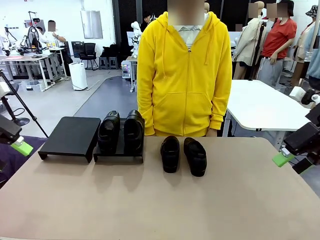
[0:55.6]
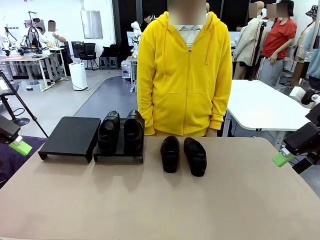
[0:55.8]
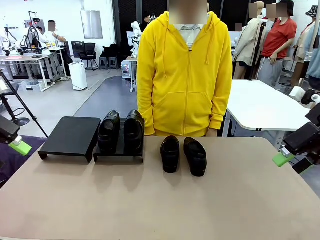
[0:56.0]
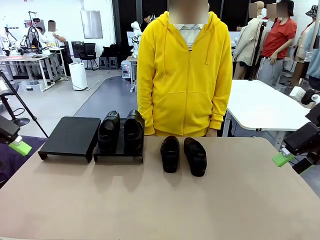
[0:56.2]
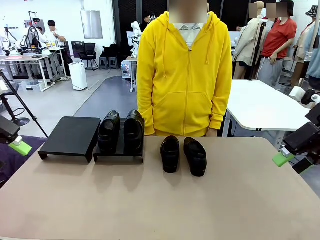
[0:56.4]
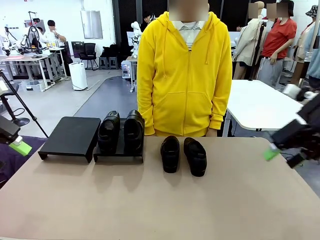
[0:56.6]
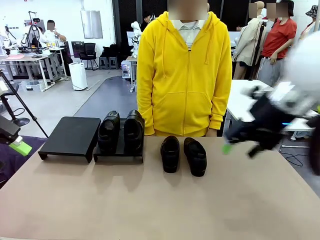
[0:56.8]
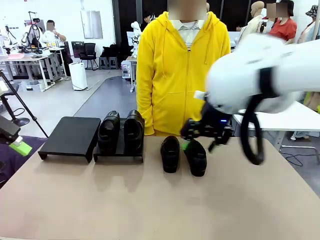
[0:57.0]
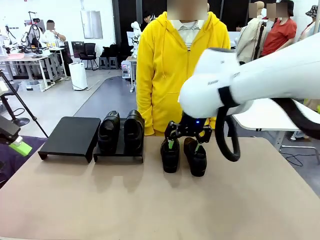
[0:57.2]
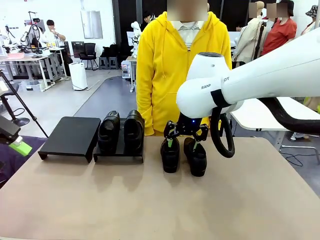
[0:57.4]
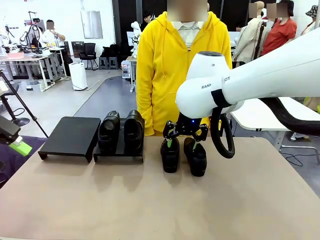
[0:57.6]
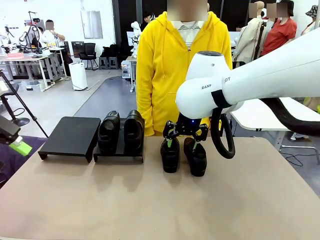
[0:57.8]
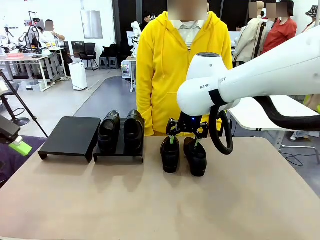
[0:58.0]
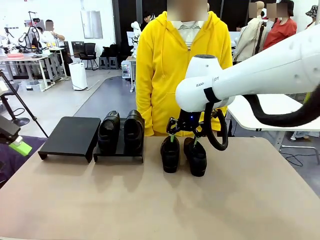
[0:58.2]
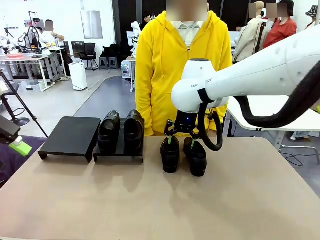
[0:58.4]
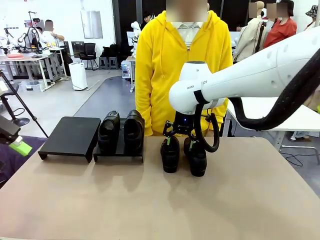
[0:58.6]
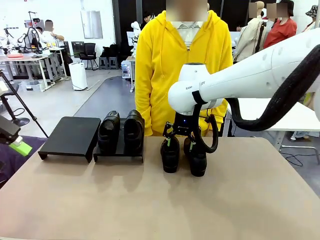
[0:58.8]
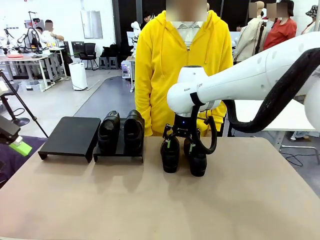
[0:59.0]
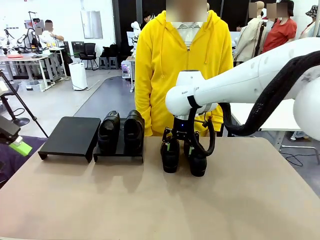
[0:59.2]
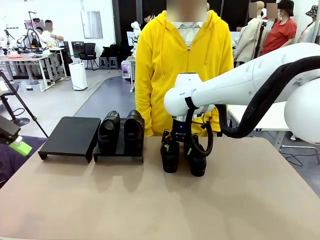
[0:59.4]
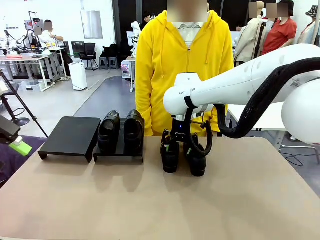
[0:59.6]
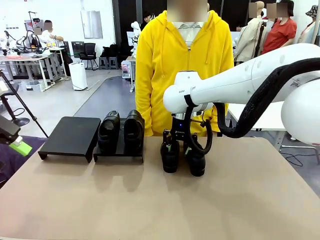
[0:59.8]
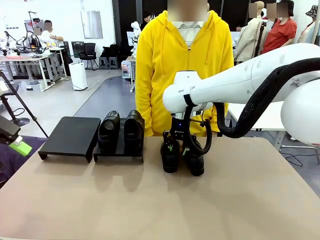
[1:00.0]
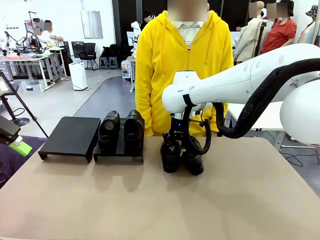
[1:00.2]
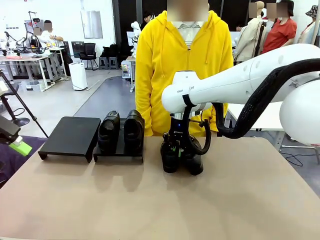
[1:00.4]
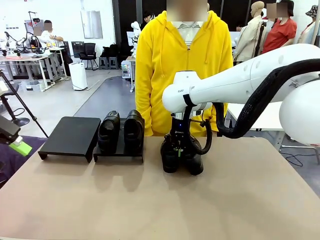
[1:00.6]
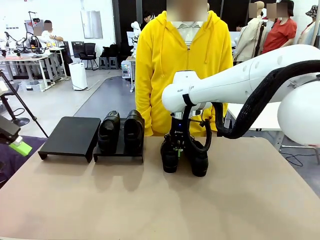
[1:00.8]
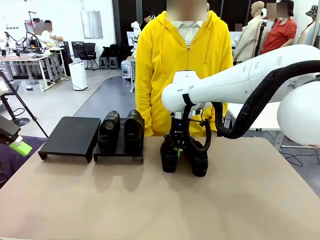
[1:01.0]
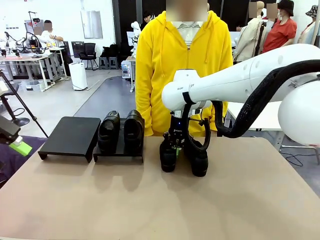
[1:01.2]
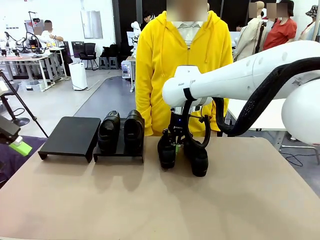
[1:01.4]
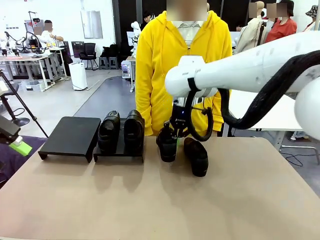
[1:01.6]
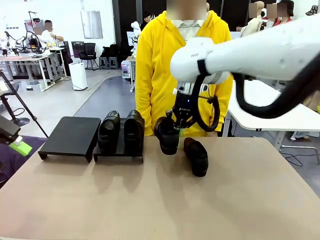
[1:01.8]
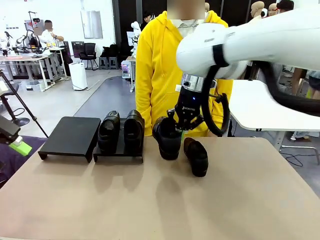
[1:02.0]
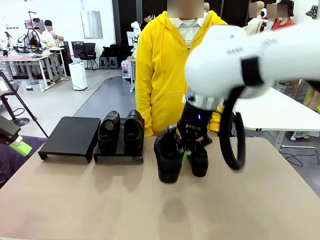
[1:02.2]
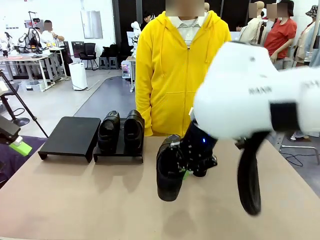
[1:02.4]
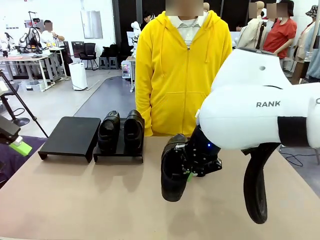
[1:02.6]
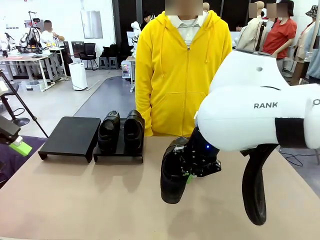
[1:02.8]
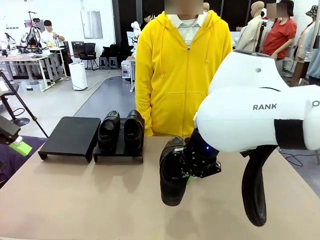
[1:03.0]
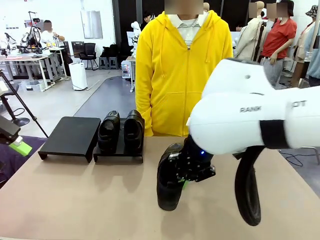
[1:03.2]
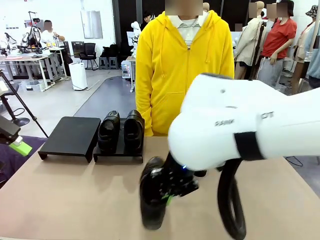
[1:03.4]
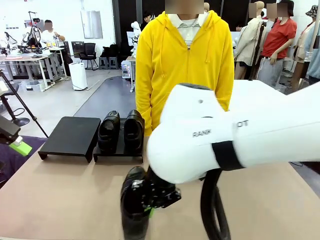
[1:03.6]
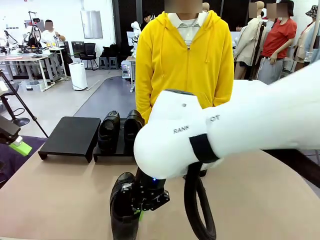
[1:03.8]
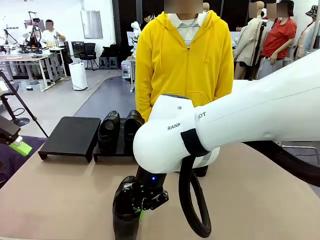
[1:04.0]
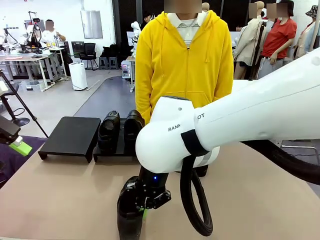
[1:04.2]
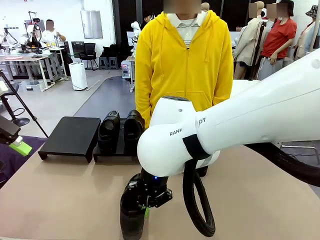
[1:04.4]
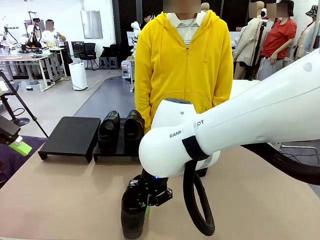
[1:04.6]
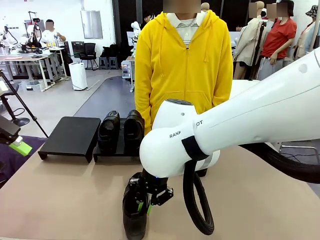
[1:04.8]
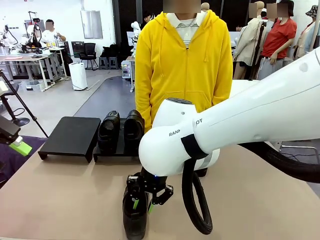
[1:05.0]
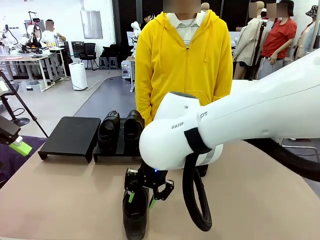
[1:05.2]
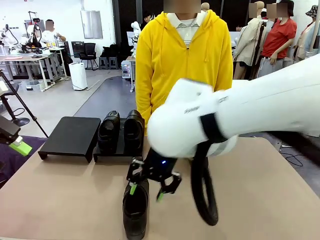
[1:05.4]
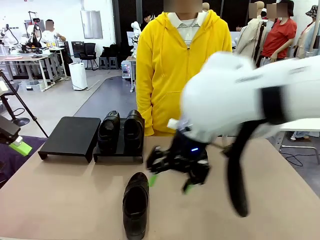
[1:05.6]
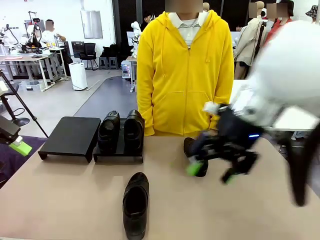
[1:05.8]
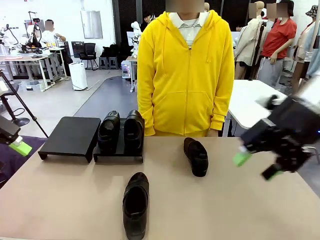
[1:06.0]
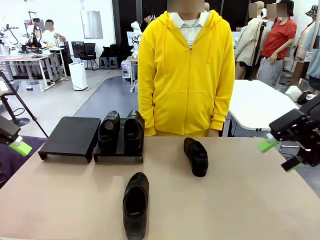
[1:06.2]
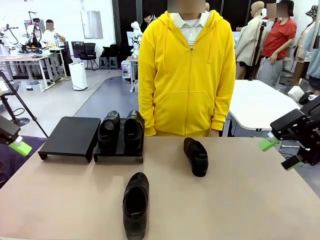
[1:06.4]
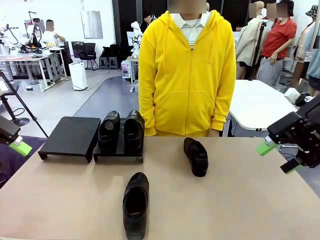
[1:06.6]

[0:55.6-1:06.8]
Task: Organize the shoes by placing them on the stand.
Robot: Pick up one Shoe and place it in the middle of the table.

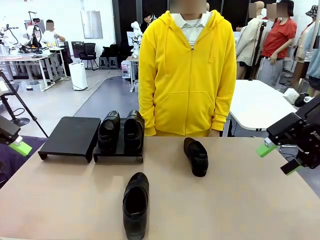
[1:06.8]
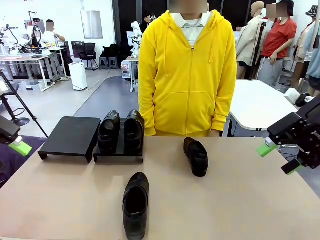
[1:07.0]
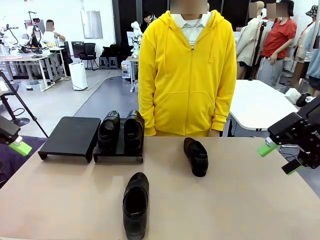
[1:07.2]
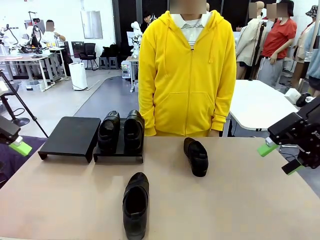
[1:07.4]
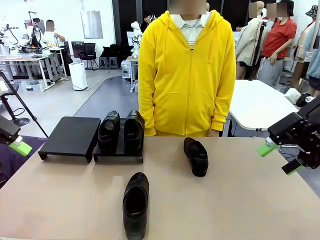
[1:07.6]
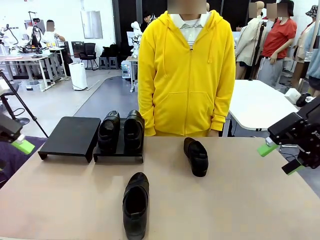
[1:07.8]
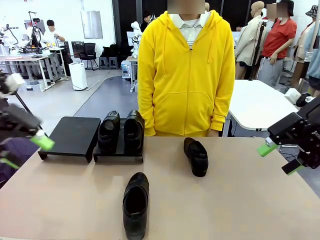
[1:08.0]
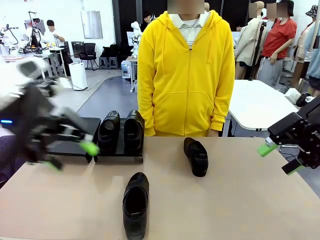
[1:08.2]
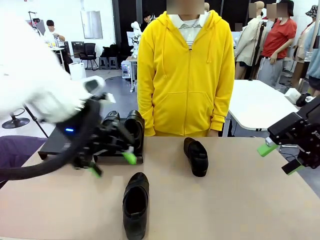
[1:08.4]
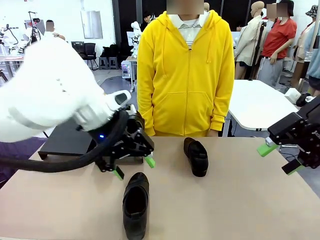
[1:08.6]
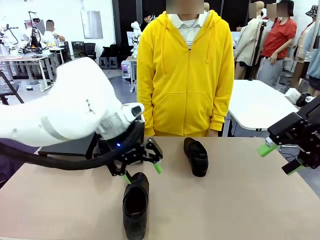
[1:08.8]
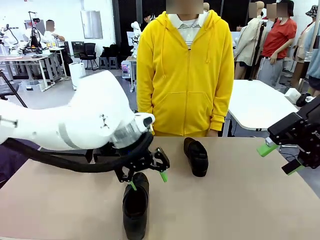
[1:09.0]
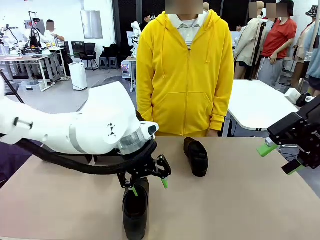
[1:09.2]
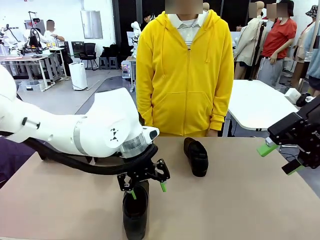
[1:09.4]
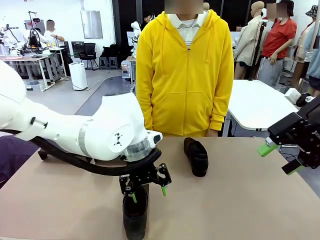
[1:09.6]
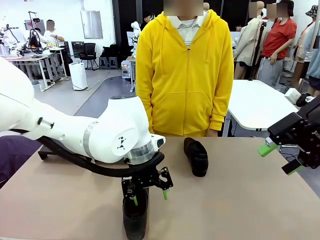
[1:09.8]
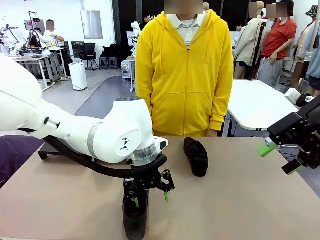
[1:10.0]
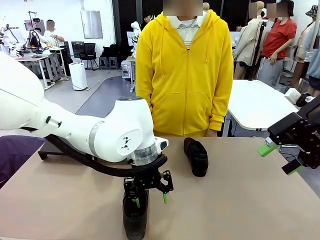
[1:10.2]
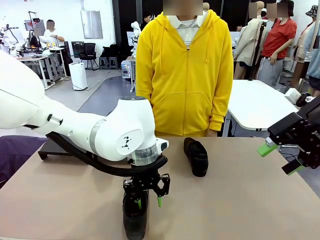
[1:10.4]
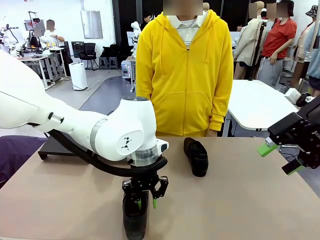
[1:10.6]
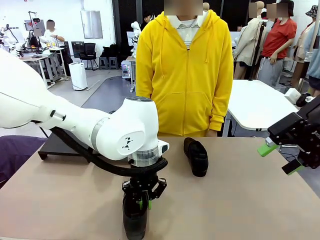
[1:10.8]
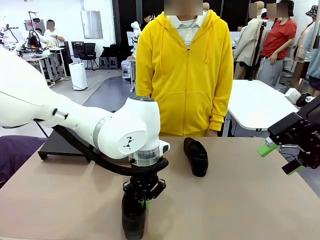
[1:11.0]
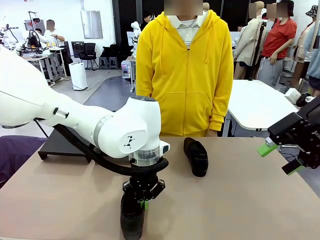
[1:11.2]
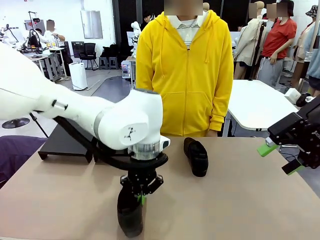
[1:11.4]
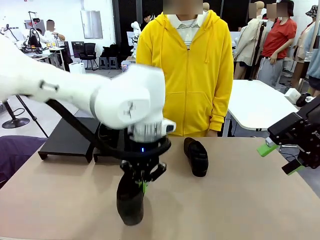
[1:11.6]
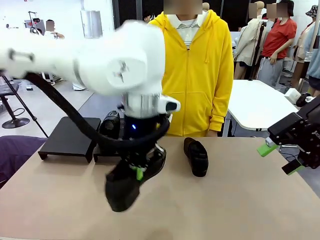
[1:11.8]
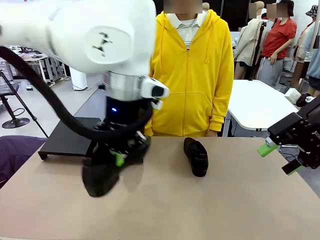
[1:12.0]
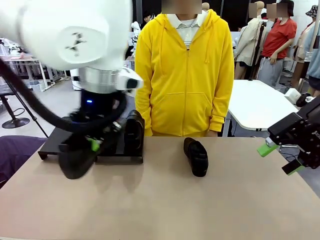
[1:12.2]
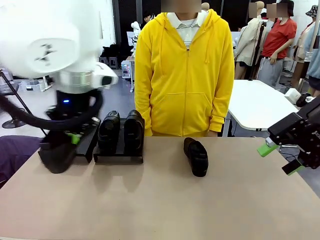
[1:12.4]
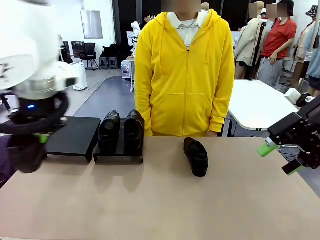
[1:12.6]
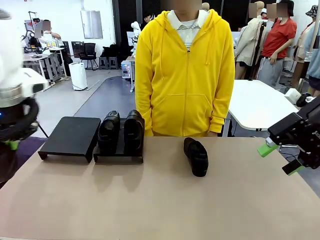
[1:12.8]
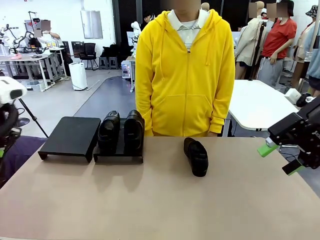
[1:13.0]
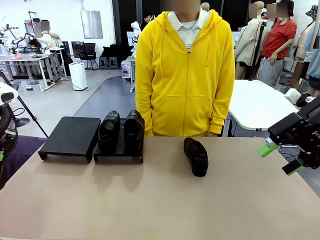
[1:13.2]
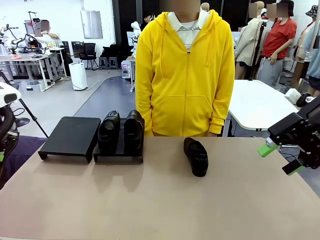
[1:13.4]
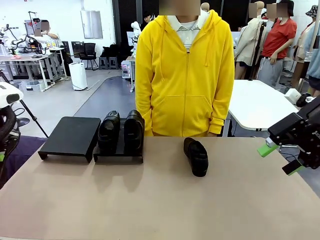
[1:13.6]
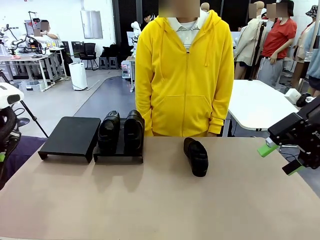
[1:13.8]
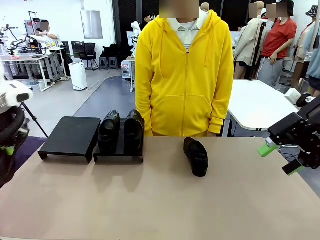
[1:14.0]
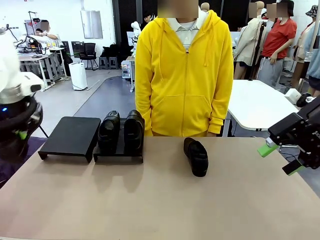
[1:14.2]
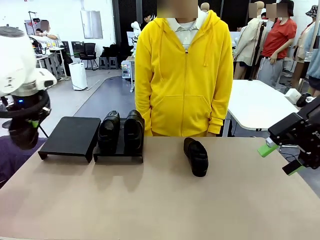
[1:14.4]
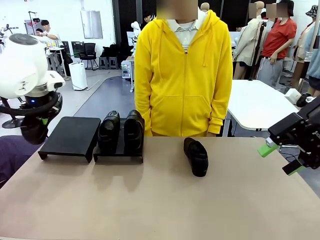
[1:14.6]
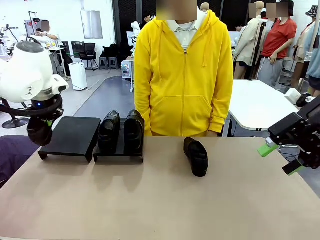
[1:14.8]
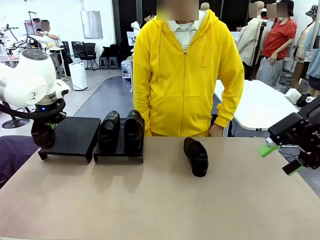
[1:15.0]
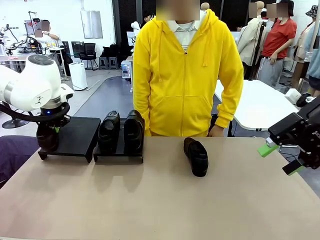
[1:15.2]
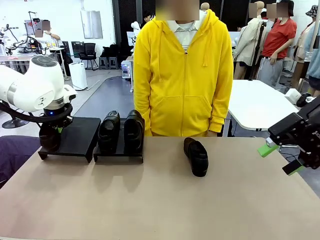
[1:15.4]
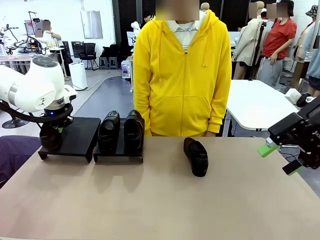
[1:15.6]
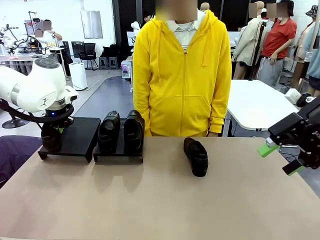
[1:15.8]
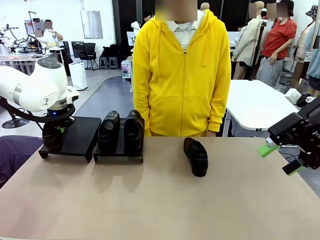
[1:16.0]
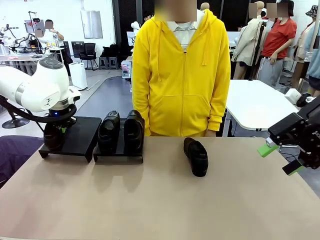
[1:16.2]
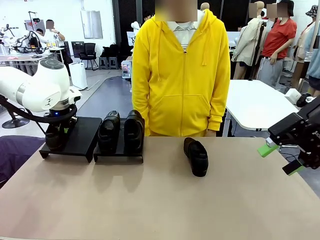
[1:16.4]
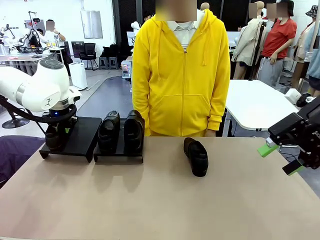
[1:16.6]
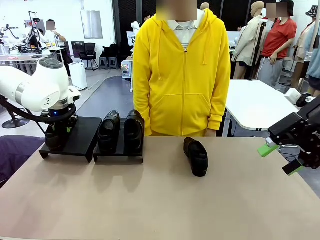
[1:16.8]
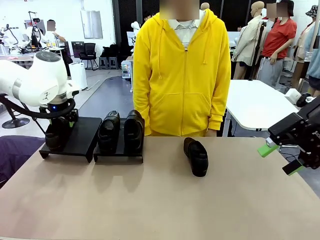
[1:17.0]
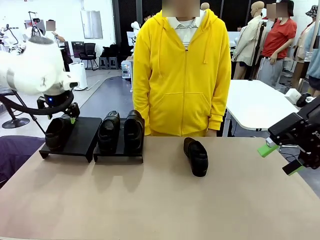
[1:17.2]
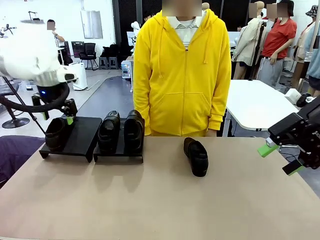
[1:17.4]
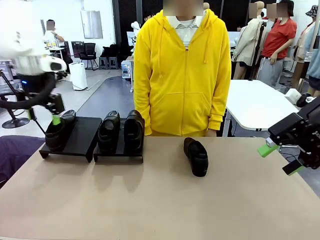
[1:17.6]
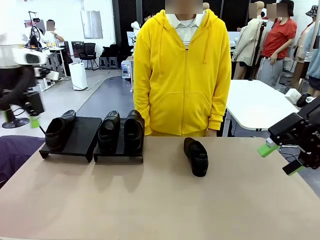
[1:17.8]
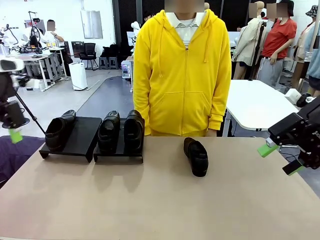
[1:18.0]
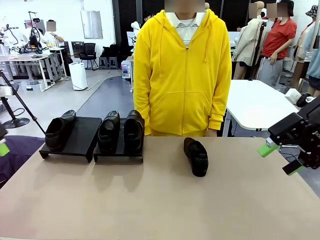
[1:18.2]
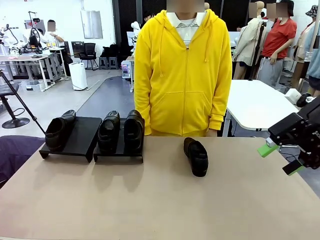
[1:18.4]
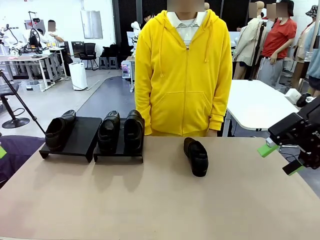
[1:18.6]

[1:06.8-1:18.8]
Robot: Place the Shoe from the middle of the table onto the Shoes Stand.
